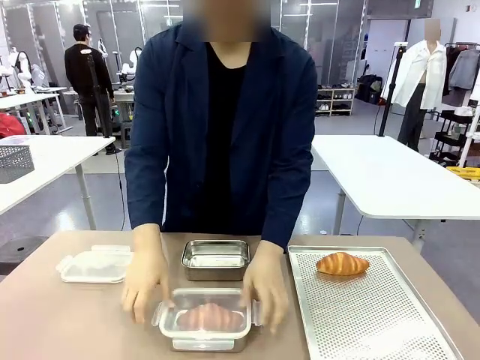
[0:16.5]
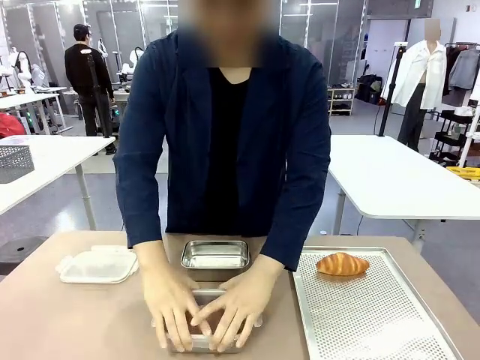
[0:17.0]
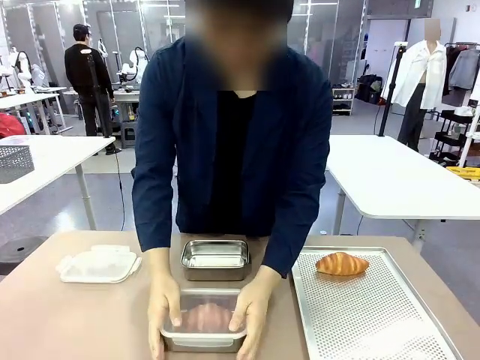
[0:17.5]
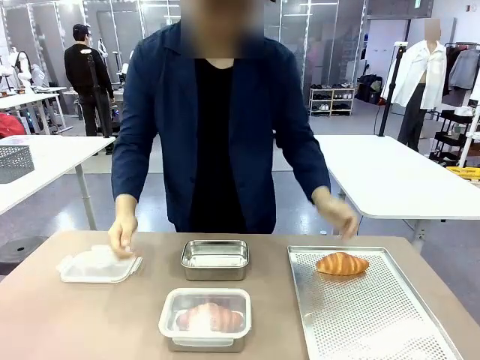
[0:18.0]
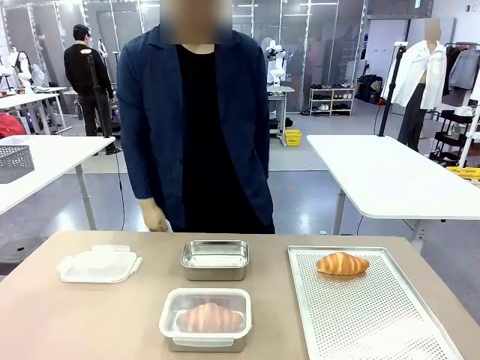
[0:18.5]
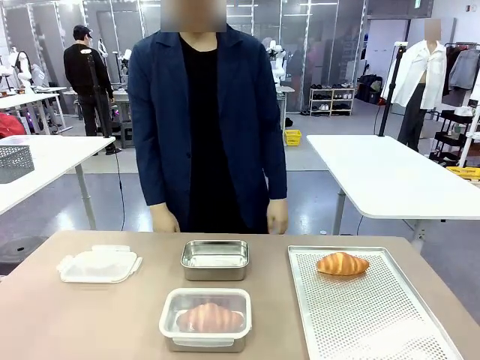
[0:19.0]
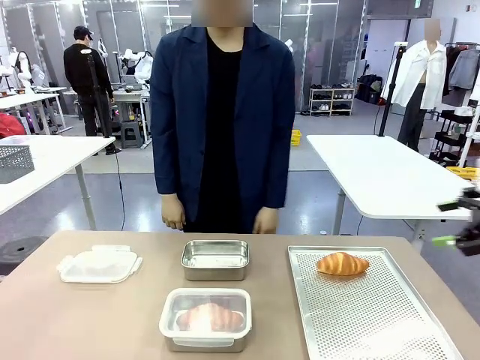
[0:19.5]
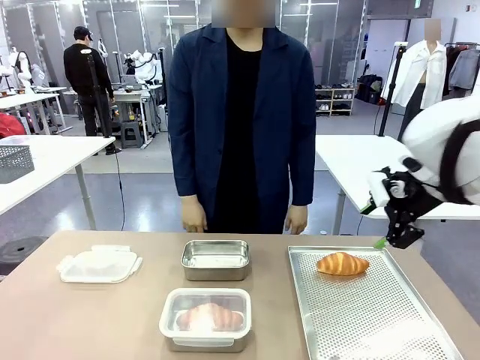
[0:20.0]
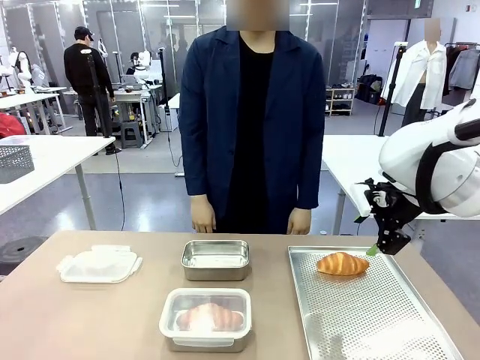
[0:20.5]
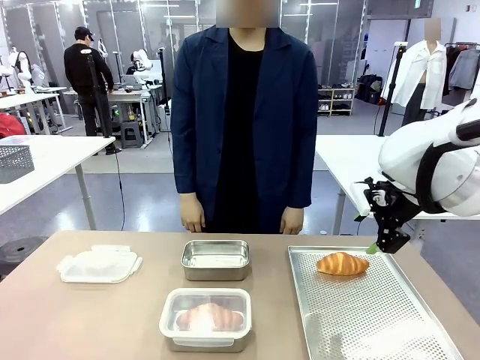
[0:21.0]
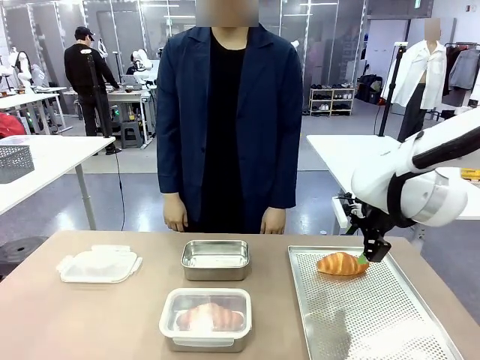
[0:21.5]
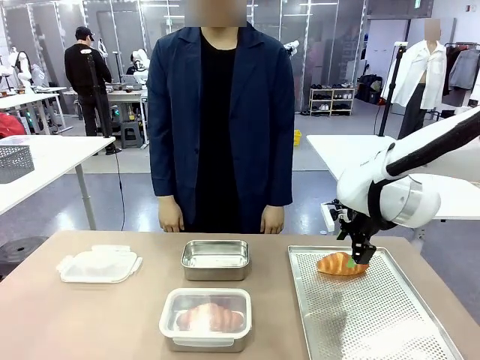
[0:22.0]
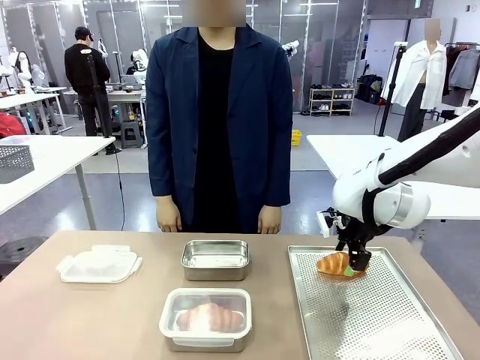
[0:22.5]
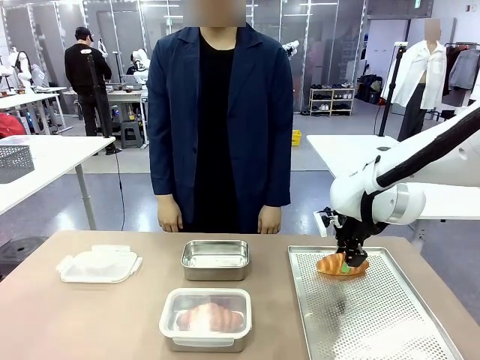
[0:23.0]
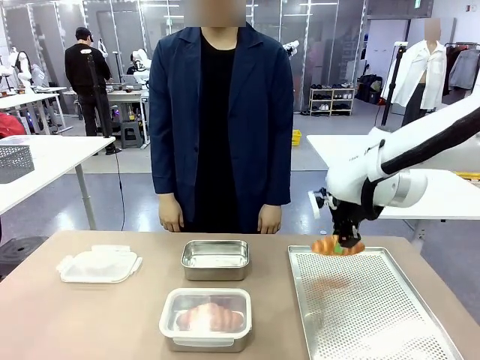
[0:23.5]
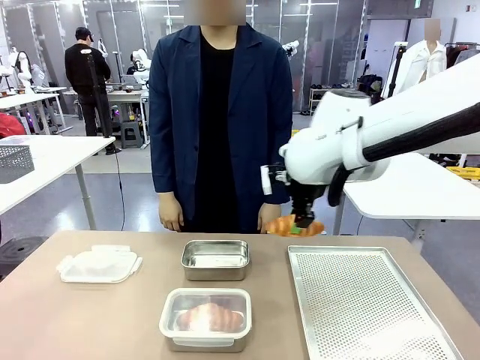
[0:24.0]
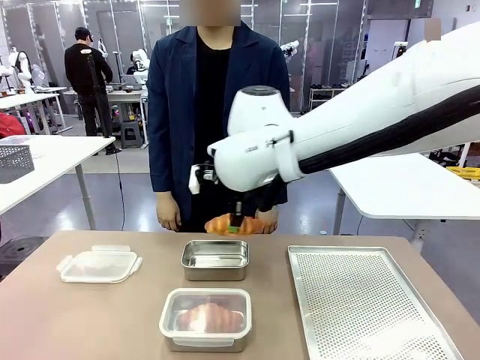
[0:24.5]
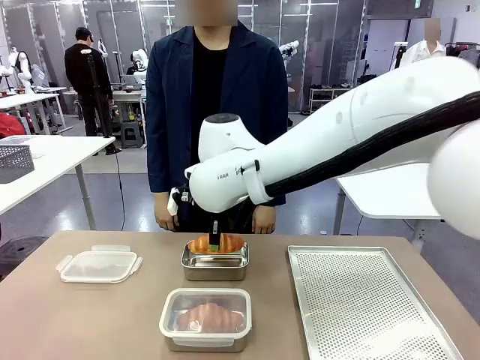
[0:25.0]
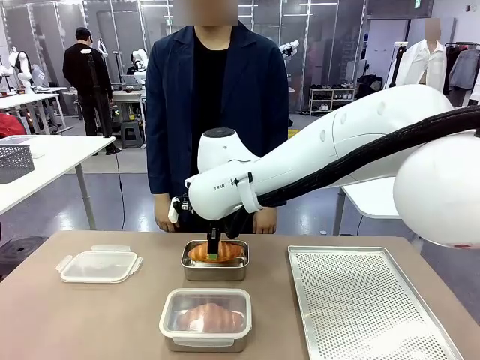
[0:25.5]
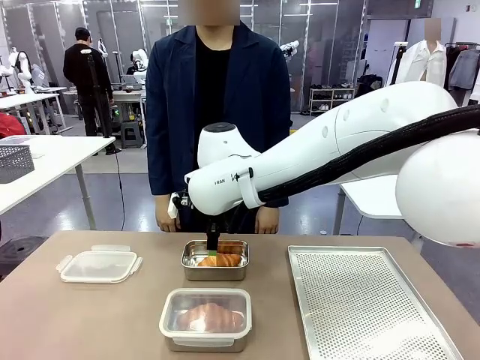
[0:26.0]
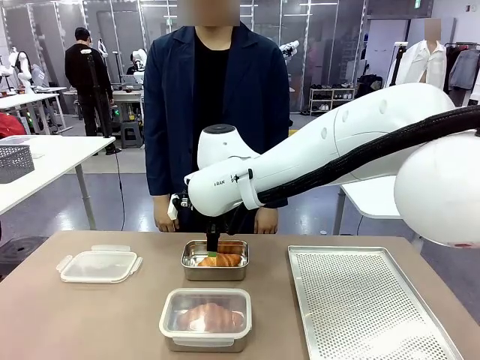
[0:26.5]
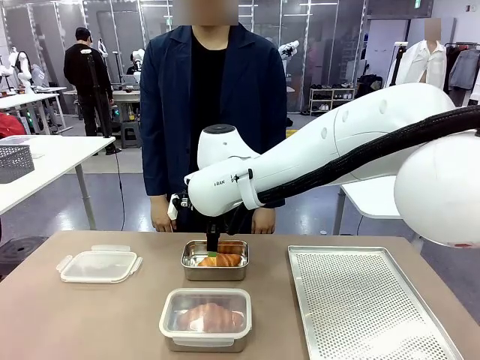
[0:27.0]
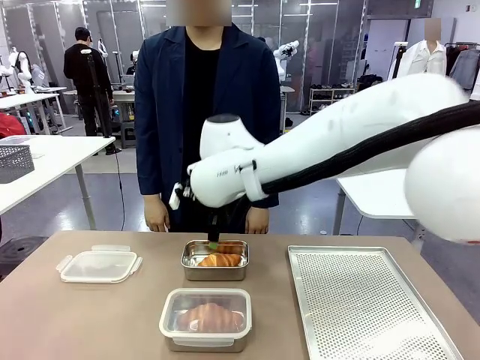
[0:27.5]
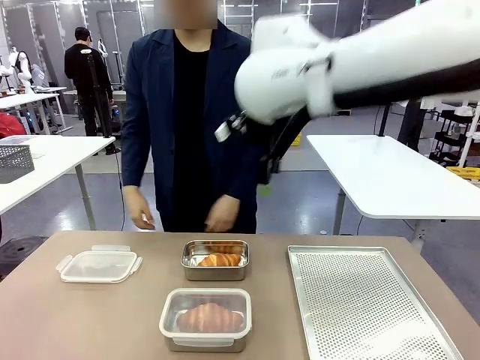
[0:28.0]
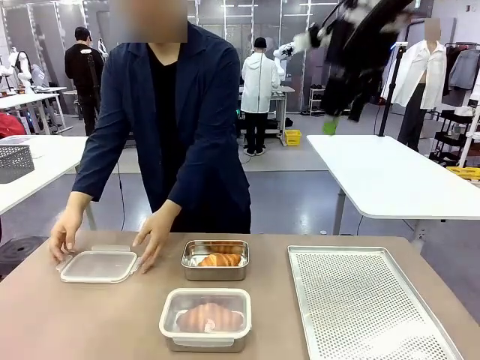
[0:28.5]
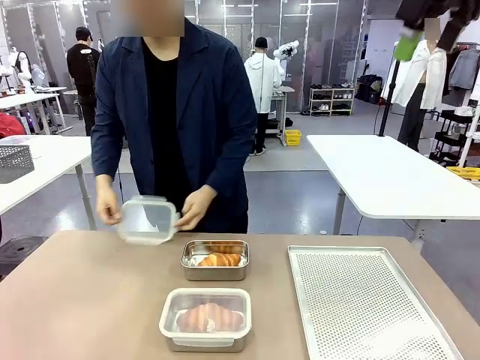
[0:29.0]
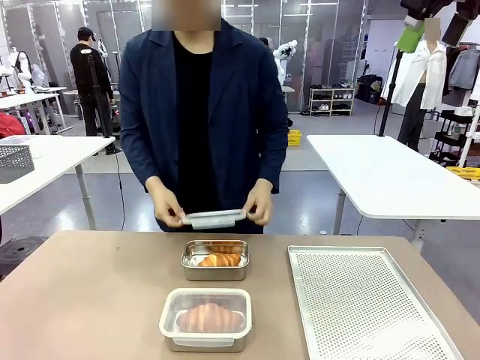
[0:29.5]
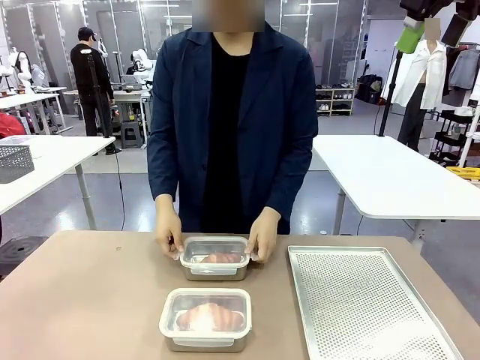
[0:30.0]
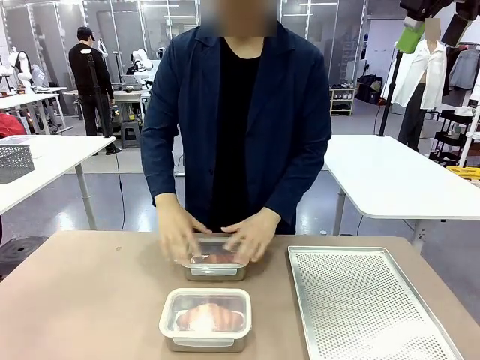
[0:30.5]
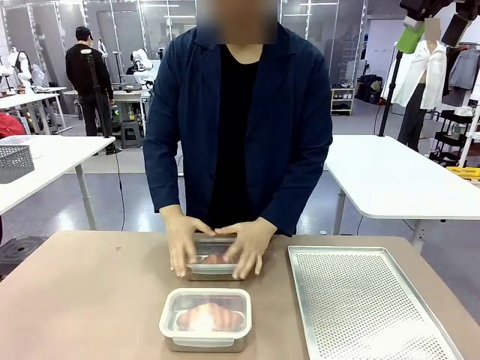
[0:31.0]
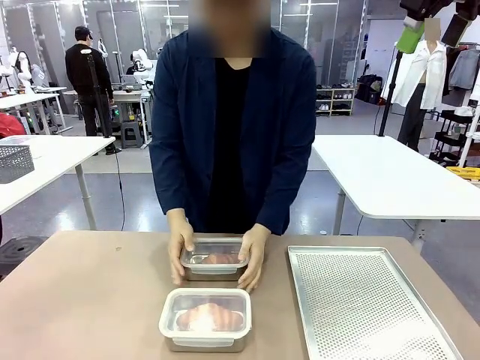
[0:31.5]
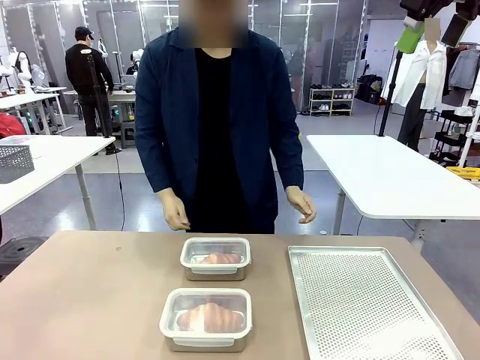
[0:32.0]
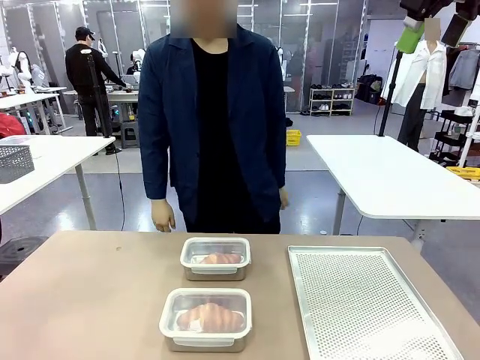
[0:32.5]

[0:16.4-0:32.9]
Task: Place the bread into the airtight container.
Robot: Pick up a Butter Roll and place it into an empty Airtight Container.
Person: Once a Butter Roll is inside an Airtight Container , close the lid of that Airtight Container.
